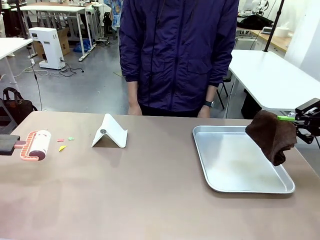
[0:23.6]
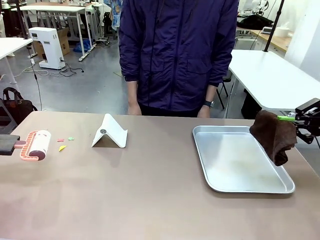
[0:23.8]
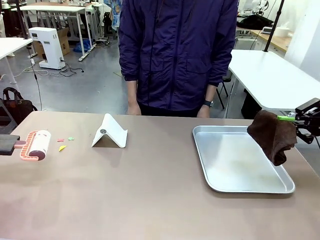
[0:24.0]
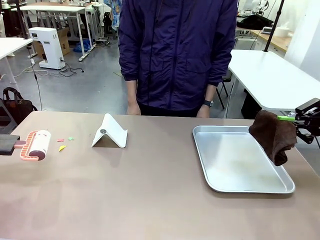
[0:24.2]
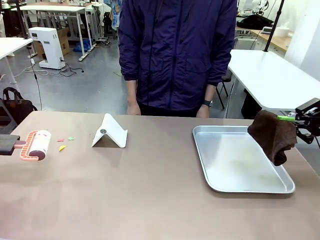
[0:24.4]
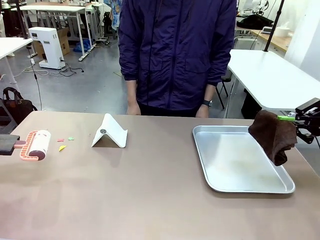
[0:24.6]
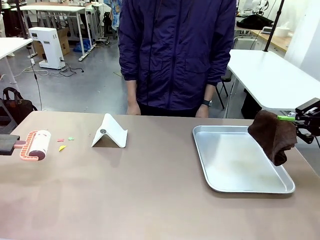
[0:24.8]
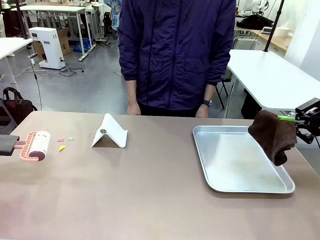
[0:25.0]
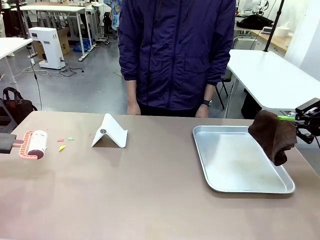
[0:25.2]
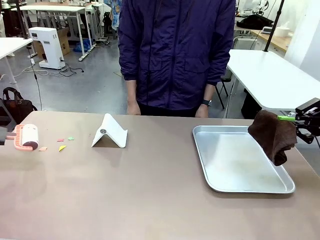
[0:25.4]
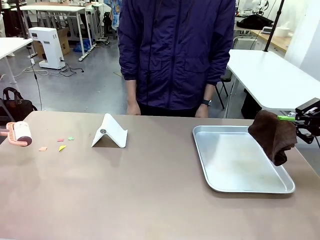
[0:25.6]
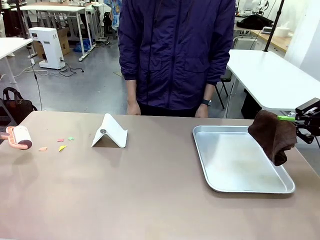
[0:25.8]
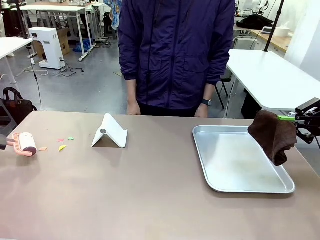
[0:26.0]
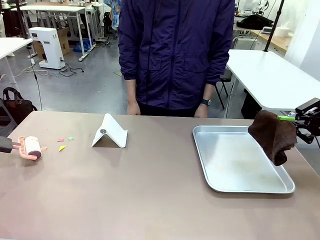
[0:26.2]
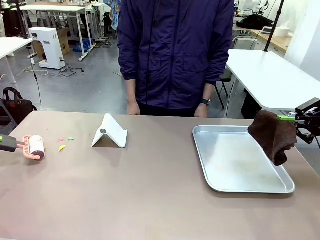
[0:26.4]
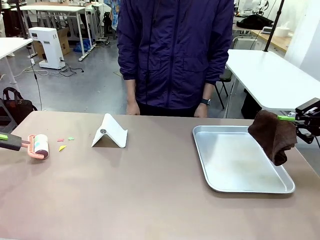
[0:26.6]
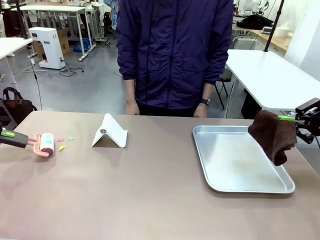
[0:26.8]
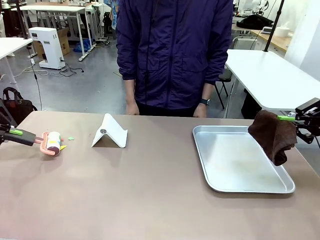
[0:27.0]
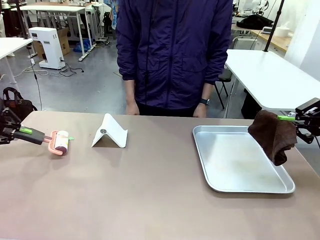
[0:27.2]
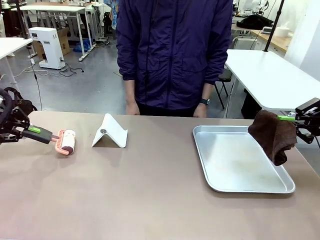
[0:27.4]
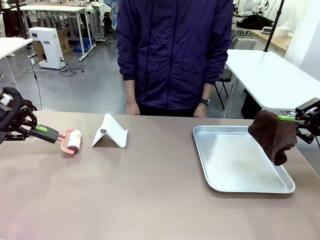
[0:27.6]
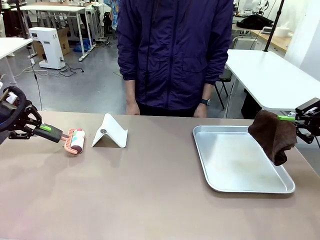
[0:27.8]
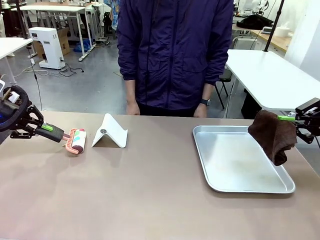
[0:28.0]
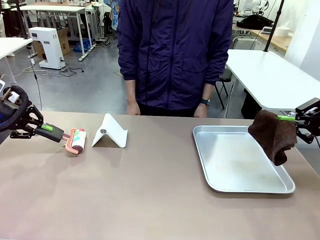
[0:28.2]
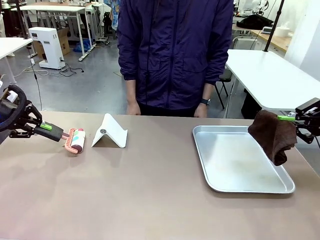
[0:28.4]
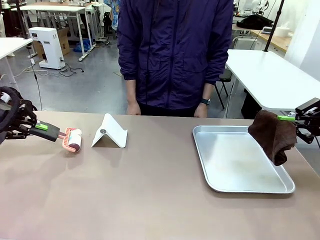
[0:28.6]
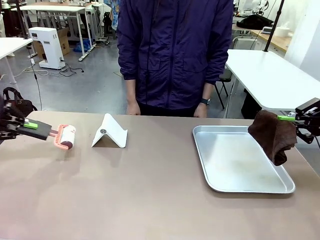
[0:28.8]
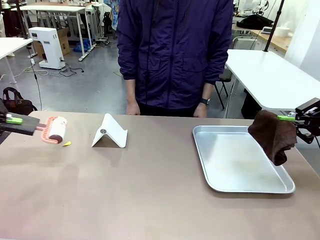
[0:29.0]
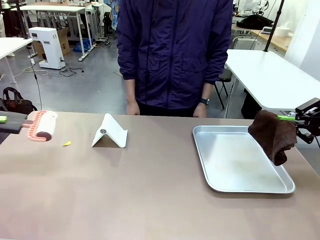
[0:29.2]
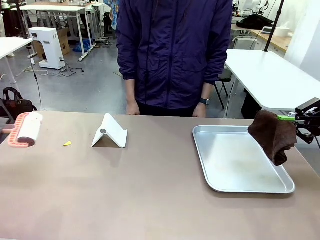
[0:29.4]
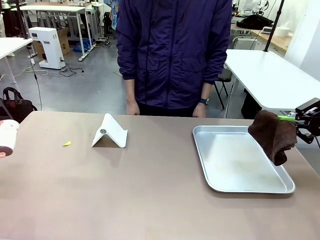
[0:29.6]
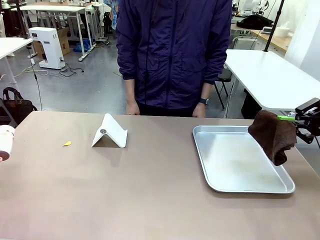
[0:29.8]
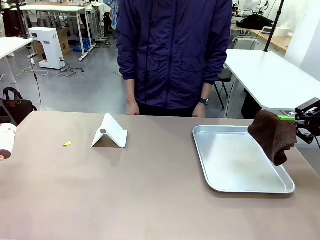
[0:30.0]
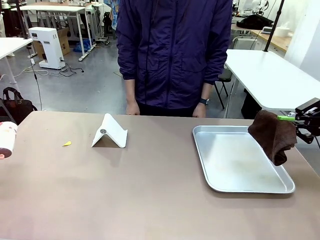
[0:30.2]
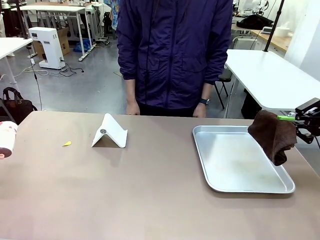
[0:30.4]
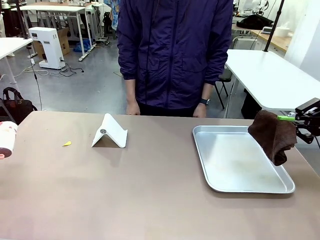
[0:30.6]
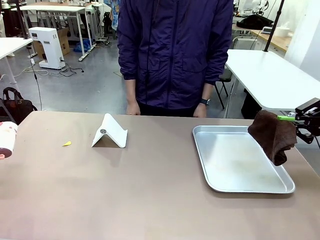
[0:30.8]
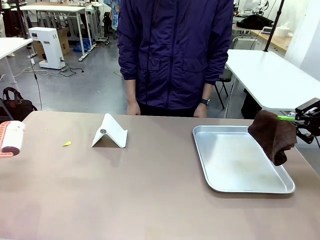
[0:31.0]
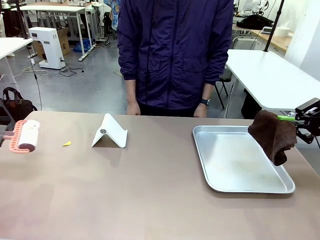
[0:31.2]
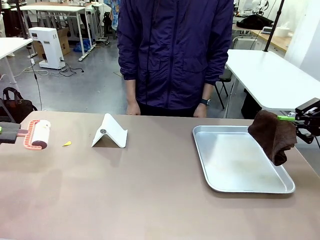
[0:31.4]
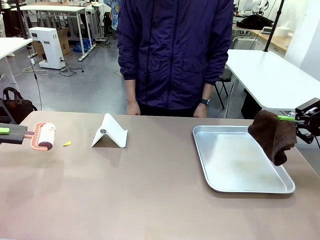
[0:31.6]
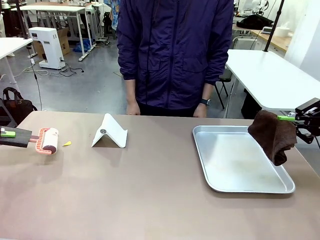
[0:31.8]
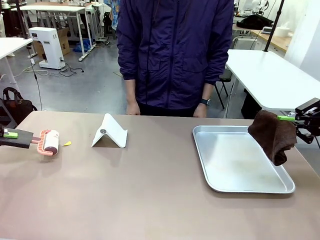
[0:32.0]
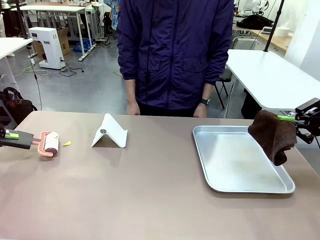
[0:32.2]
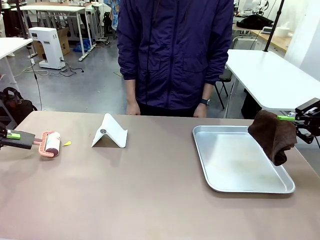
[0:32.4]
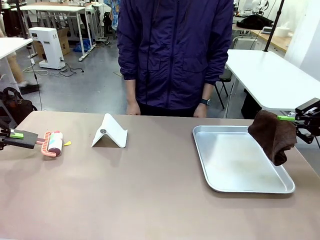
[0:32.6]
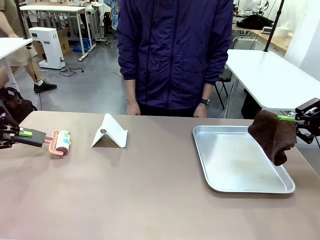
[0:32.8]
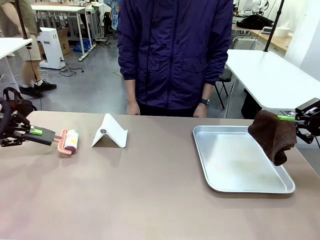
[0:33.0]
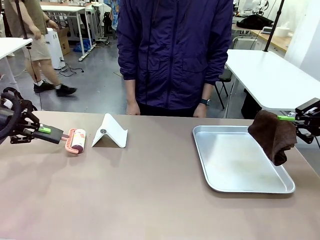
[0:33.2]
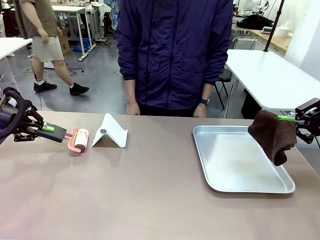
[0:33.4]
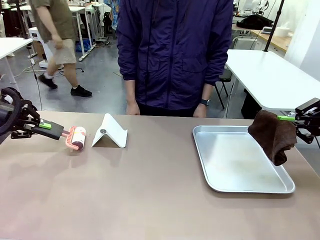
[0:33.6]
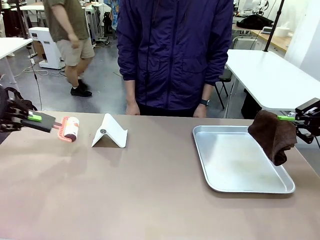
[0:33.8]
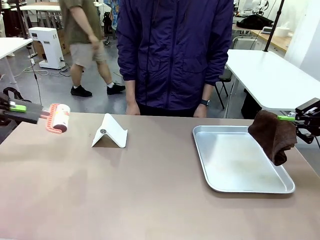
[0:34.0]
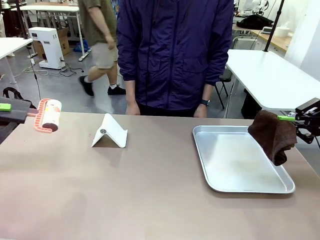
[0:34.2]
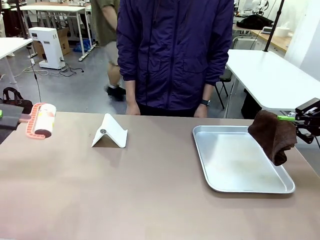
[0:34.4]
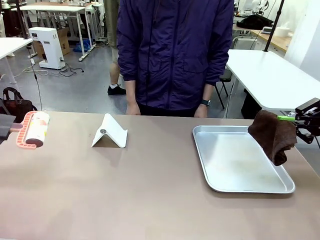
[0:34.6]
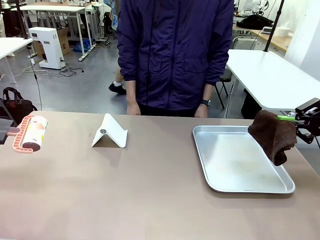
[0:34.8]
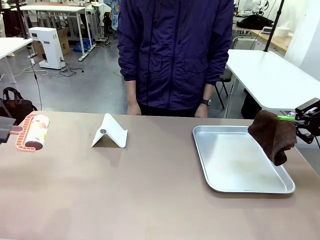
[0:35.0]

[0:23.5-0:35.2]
Task: Clean the surface of the table.
Robot: Clean the area not pointed to by the person.

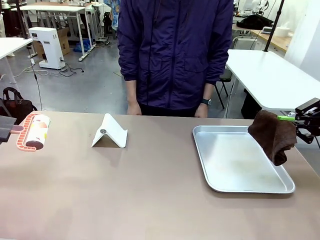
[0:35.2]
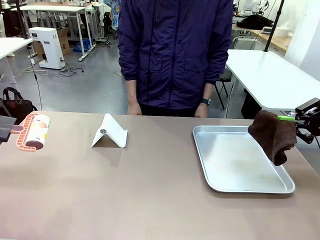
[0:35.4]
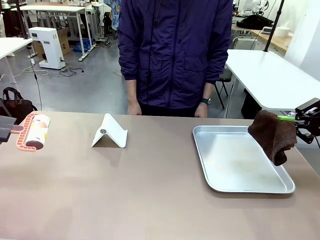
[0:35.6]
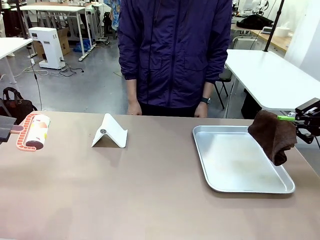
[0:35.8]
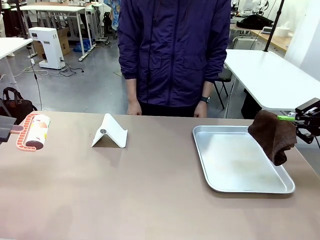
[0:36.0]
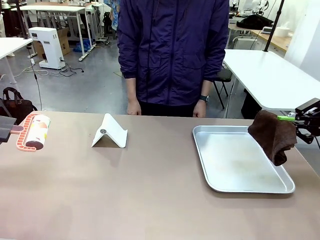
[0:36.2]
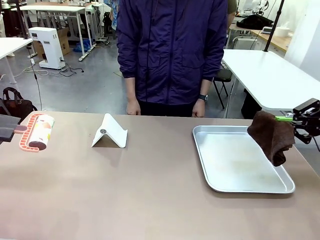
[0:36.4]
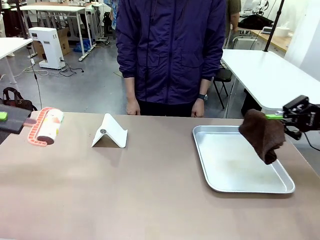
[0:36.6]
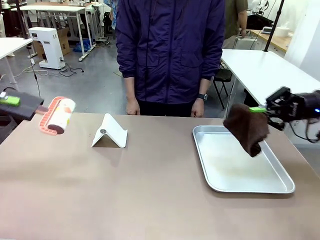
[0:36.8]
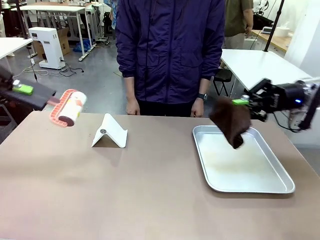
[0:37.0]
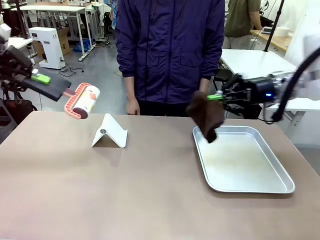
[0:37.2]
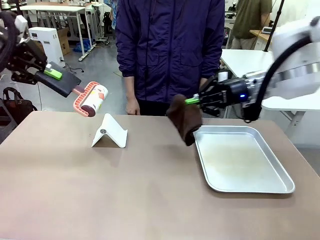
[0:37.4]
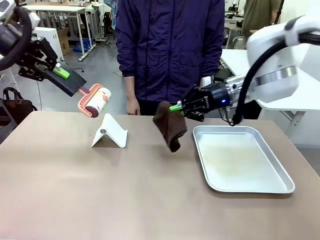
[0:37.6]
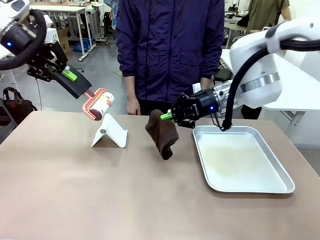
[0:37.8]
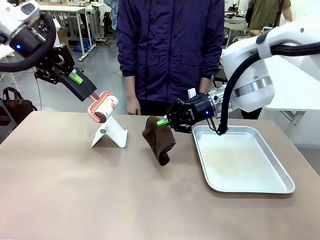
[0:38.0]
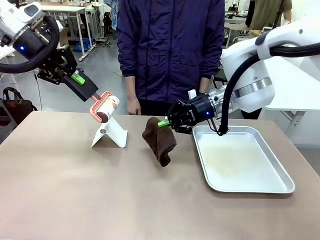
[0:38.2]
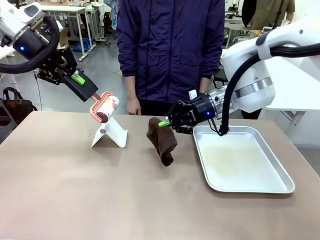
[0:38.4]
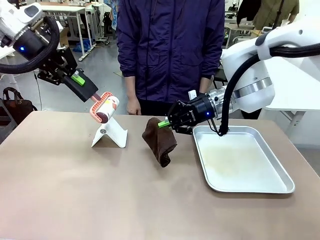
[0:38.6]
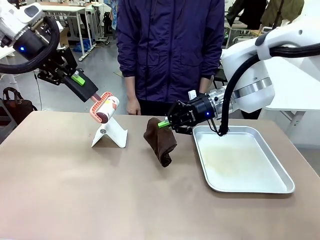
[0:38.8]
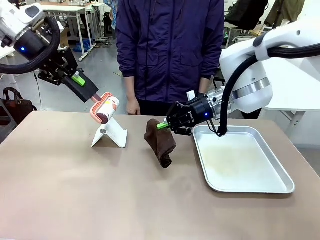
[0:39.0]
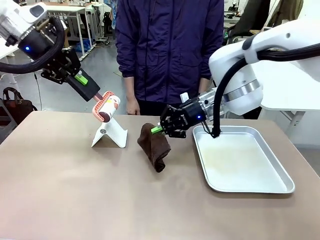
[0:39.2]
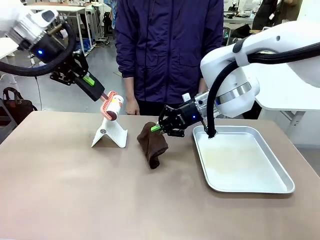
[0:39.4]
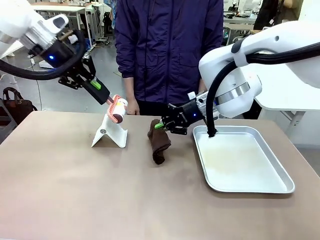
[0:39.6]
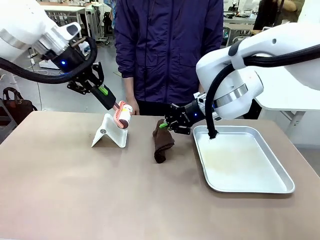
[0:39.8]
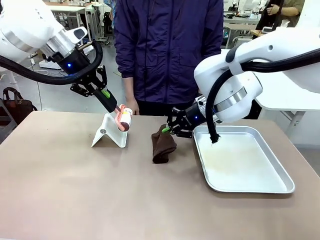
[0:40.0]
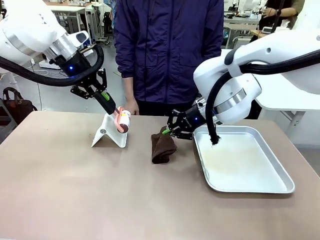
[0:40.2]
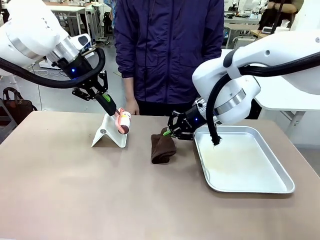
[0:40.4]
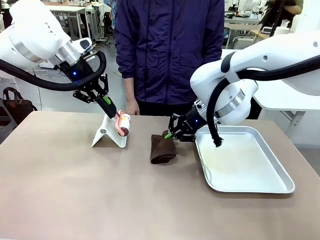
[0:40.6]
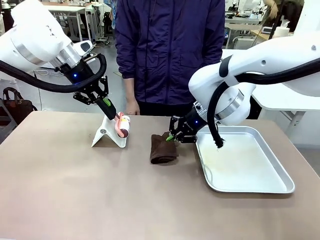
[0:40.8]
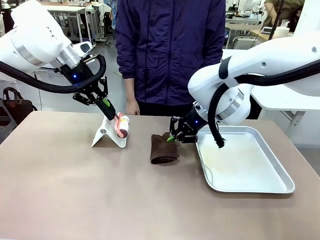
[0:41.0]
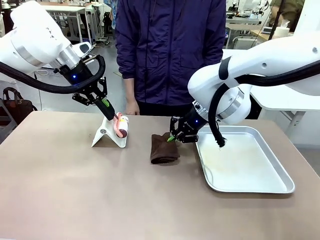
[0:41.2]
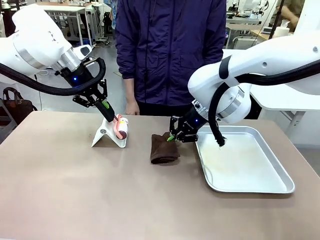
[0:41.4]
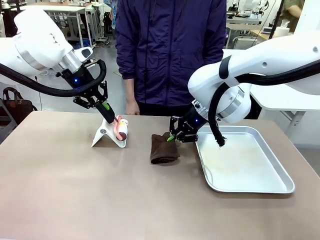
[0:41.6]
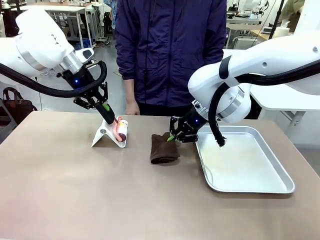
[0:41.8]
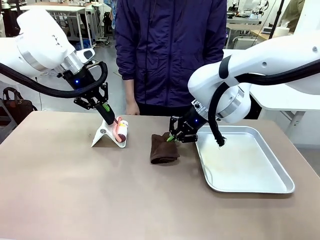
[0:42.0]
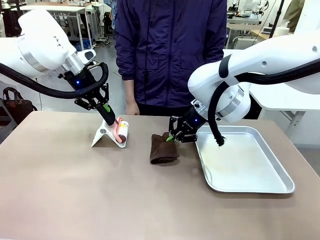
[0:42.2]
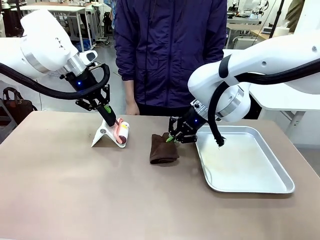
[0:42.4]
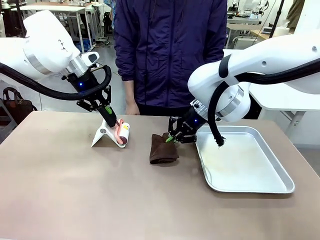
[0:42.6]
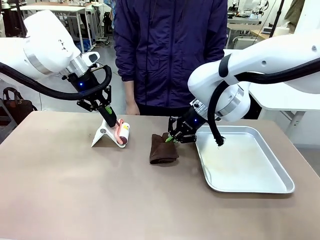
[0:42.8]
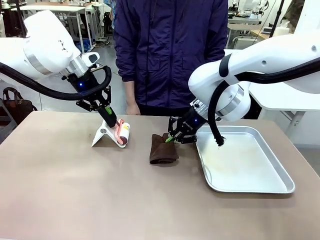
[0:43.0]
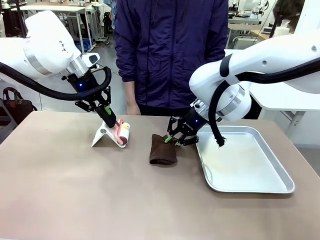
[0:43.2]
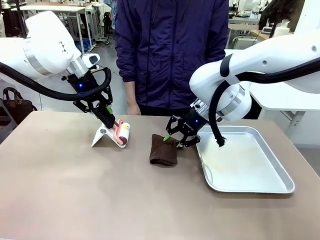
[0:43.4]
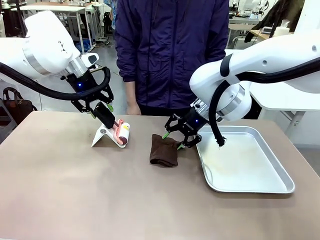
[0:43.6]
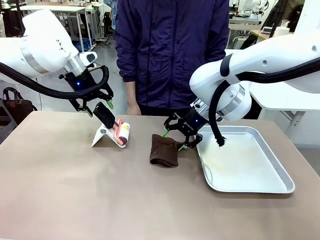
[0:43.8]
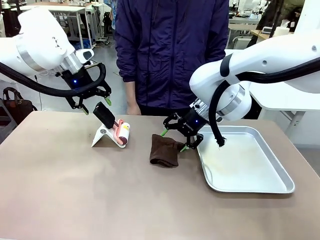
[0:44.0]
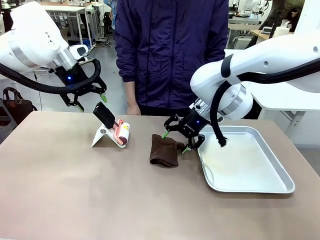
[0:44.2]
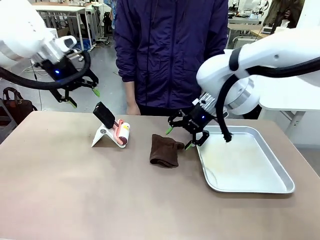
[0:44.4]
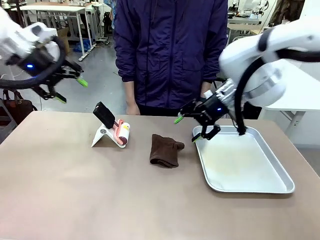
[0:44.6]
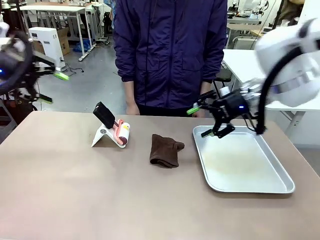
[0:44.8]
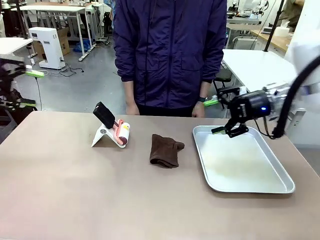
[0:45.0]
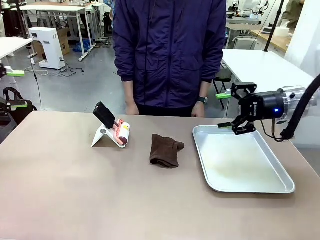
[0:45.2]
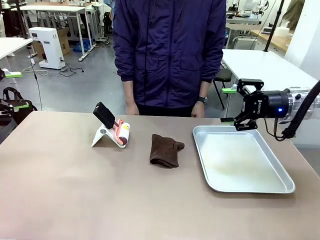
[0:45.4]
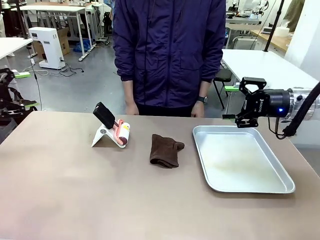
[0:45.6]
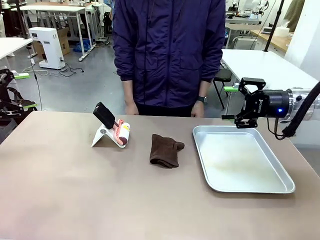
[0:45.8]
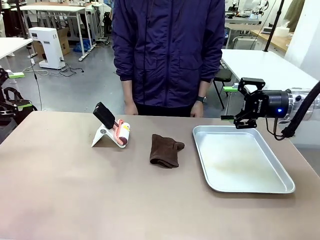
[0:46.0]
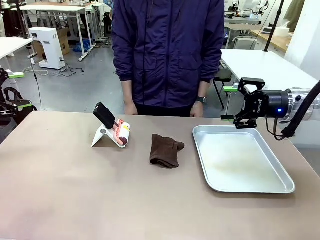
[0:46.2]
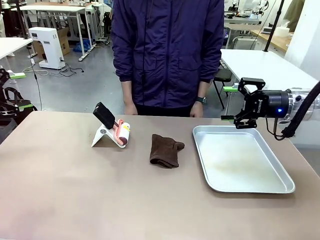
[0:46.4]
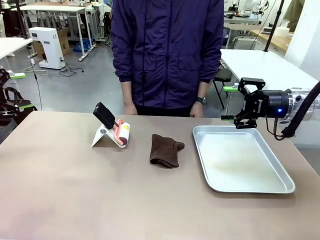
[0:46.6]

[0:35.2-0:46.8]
Robot: Return the Lint Roller and towel to their original positions.
